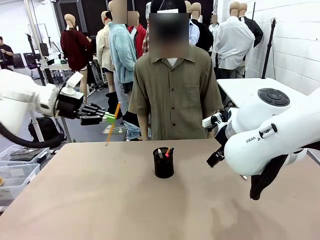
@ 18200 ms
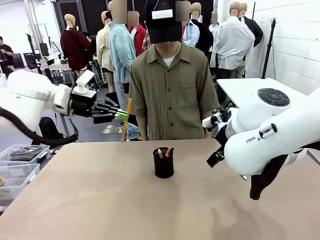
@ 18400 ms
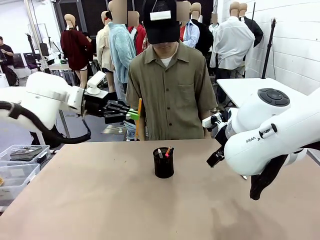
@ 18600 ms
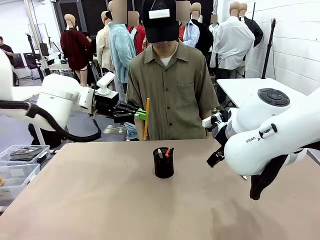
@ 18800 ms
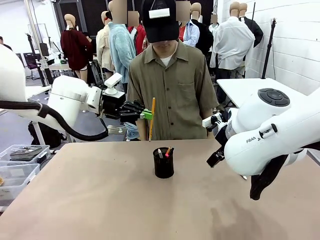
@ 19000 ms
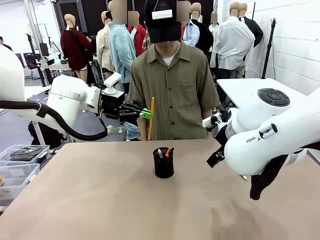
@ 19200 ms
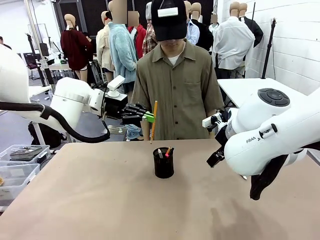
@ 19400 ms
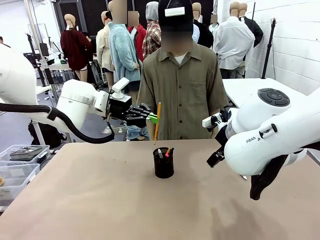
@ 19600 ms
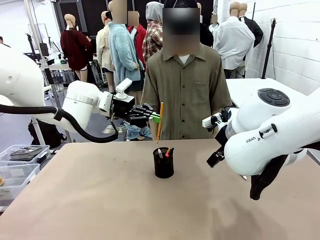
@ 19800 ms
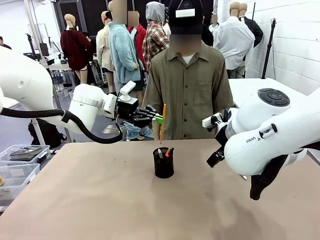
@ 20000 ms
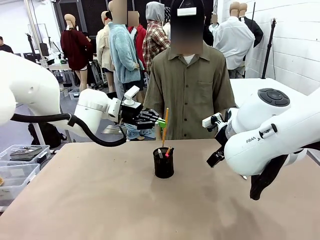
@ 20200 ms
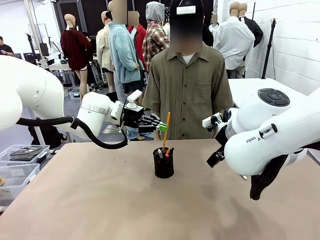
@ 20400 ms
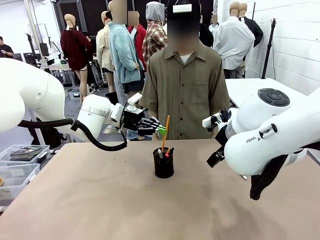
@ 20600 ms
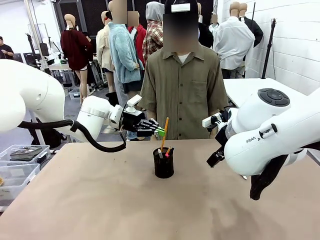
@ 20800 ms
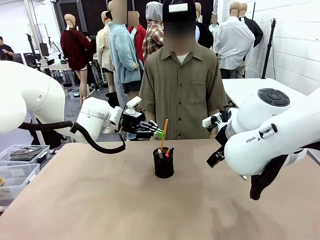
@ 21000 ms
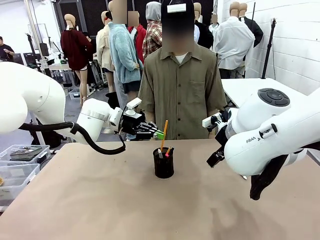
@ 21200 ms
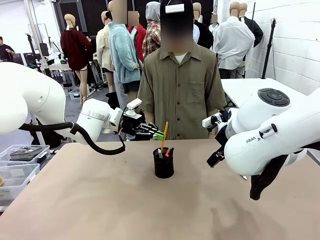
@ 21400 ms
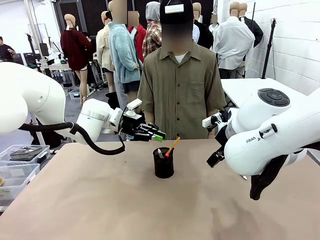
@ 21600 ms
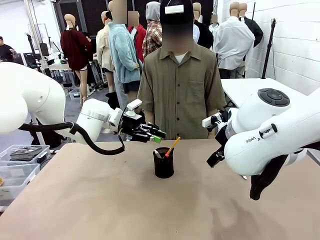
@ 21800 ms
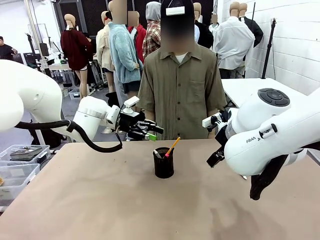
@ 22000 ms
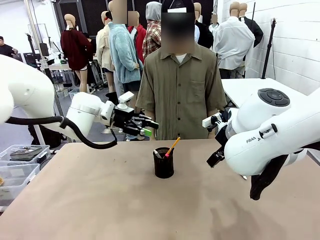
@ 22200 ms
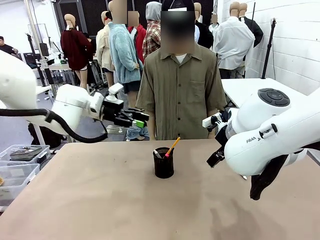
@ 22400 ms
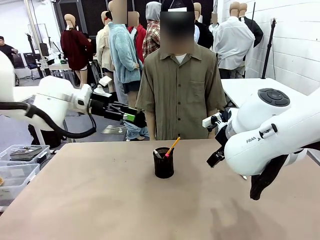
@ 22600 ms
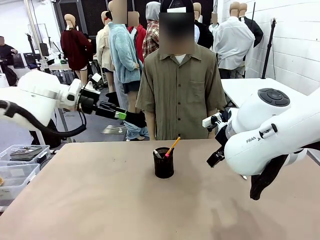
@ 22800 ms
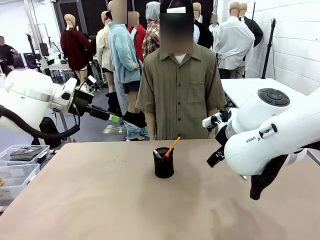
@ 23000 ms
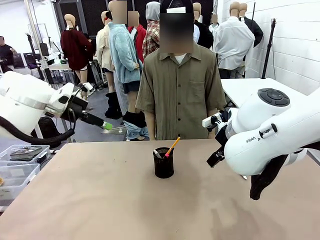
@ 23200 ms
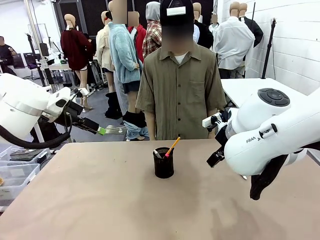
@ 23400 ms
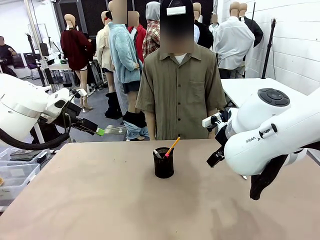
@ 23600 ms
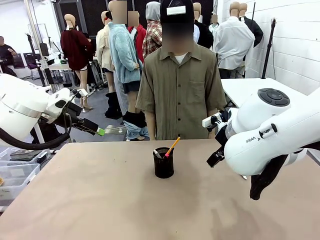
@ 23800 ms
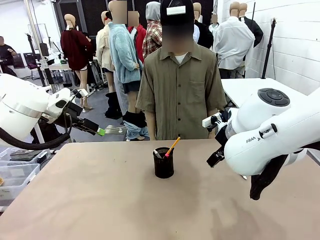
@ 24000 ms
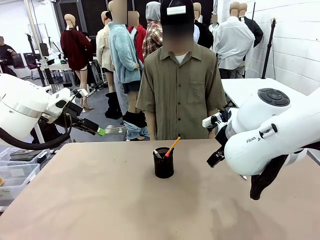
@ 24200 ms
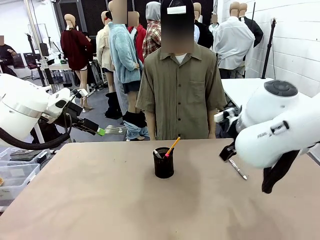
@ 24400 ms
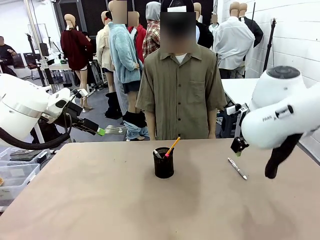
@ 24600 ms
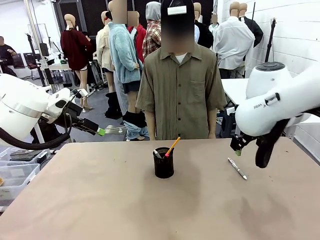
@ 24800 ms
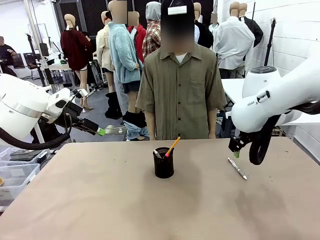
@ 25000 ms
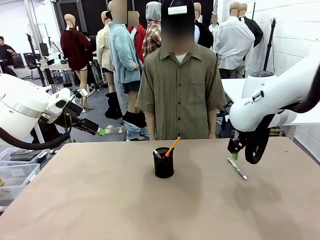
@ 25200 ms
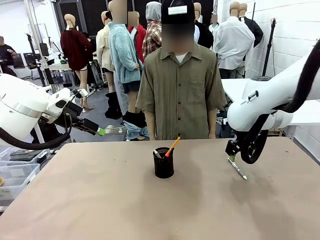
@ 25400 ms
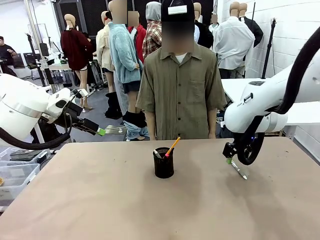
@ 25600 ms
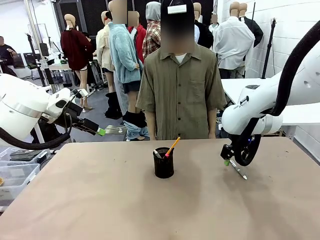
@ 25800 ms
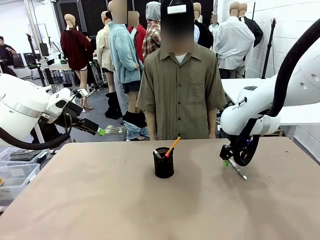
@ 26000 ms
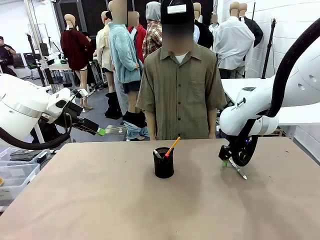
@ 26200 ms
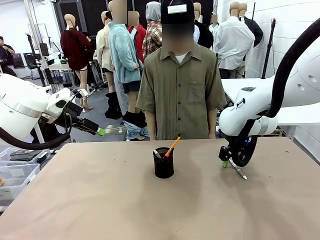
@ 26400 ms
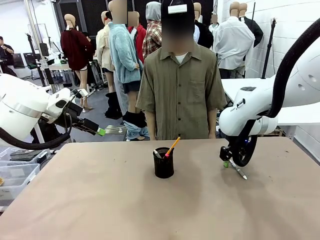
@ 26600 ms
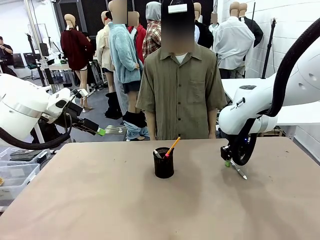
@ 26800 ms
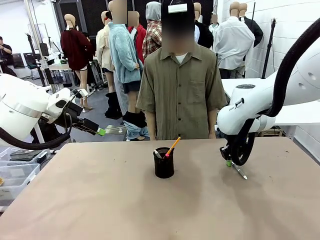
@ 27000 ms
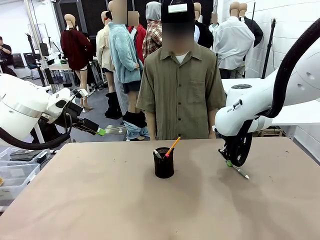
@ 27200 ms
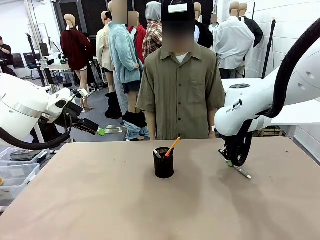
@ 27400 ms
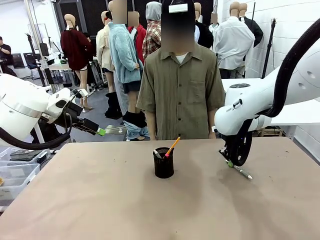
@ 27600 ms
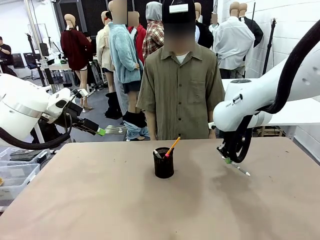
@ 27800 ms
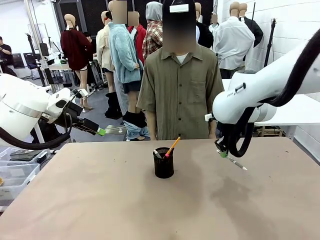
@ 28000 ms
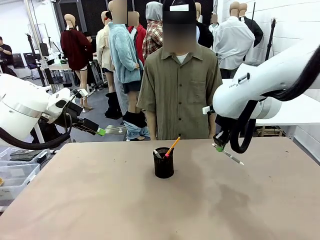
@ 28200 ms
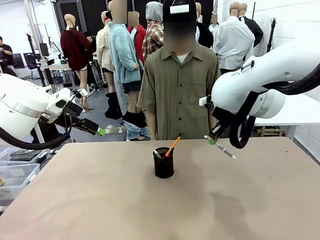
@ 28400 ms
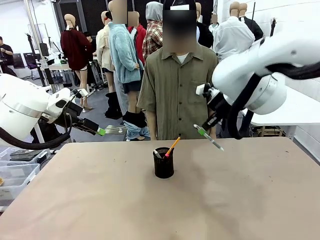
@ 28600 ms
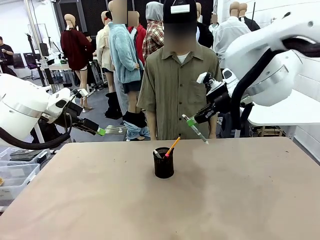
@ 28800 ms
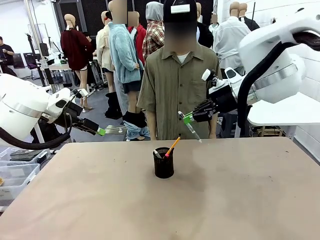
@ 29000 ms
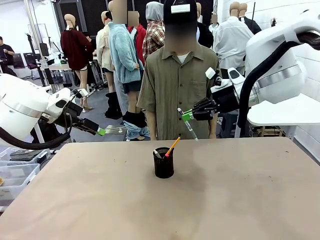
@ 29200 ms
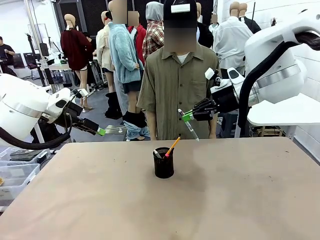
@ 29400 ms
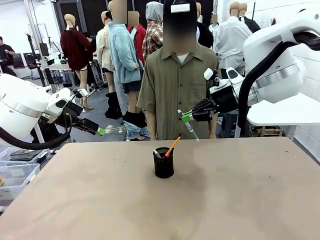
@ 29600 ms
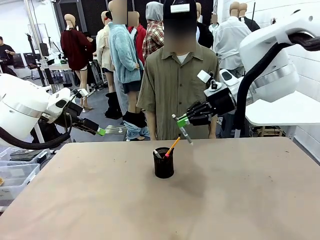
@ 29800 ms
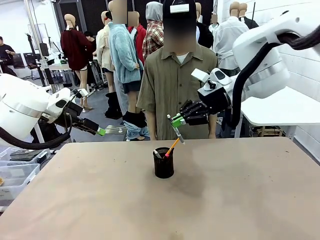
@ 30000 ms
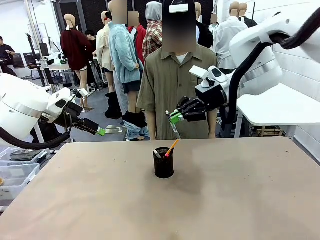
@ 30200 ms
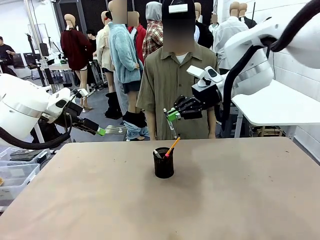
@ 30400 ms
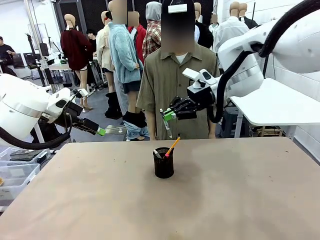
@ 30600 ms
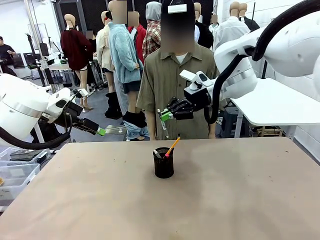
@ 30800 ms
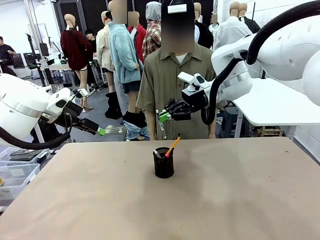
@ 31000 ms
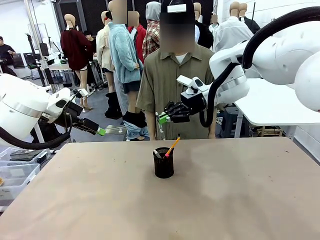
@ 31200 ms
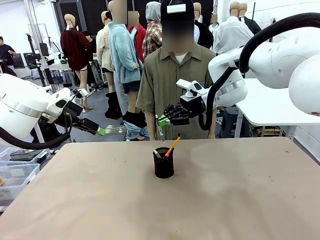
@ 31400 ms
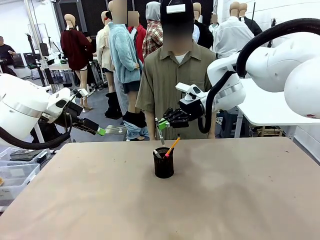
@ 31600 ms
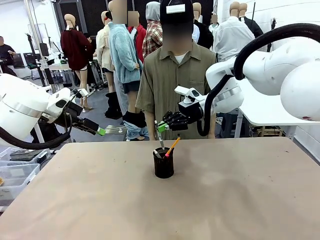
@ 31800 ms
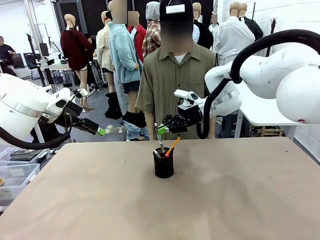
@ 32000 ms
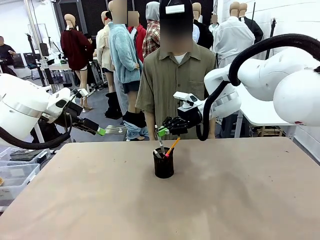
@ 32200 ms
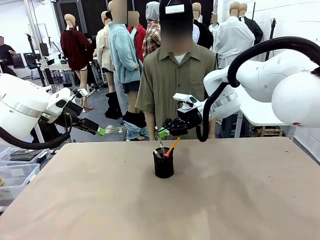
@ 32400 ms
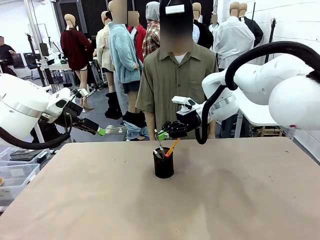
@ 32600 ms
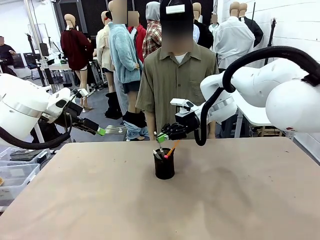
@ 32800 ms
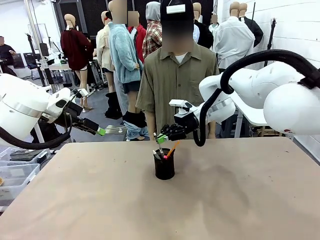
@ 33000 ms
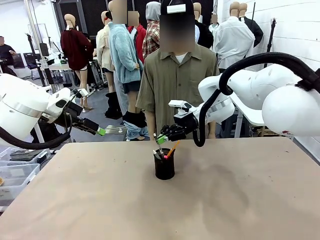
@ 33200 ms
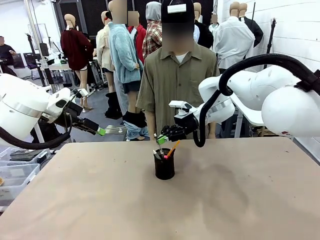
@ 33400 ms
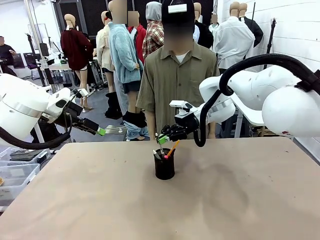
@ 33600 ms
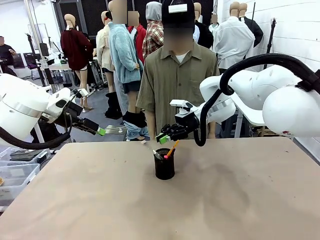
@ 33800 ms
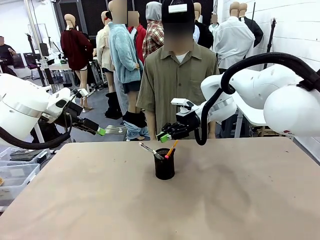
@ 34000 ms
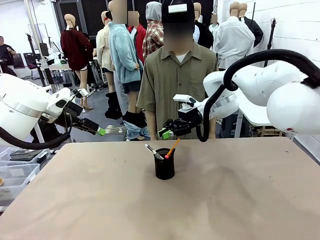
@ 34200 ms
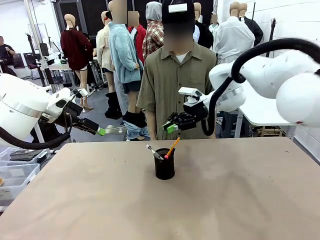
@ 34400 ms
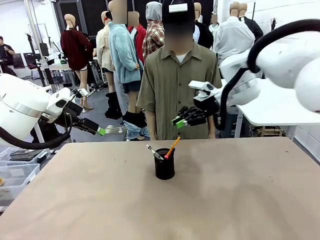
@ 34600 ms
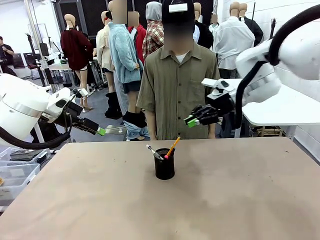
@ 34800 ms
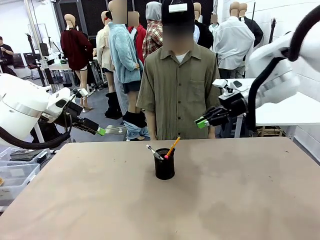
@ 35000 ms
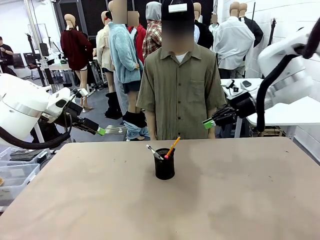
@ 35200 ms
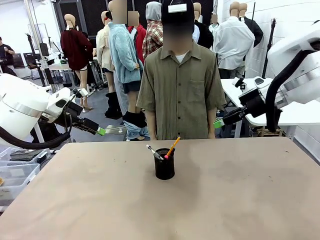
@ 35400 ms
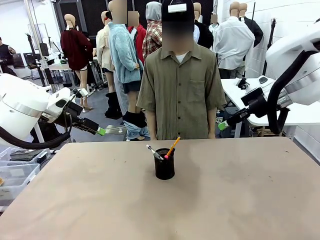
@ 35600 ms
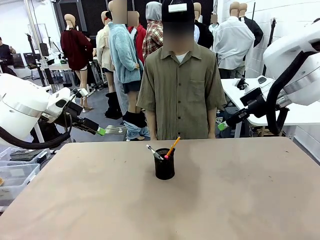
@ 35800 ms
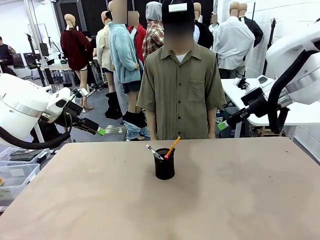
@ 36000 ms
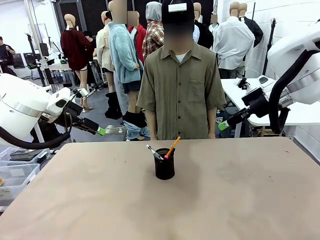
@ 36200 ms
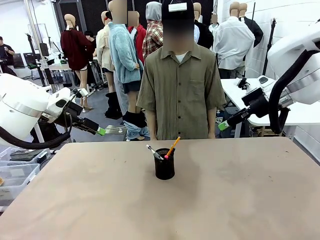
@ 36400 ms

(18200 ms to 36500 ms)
Task: Place the pens into the pen holder.
Robot: Pick up a writing instrument from the table and place it into the Pen holder.
Person: Place all writing instrument into the Pen holder.
